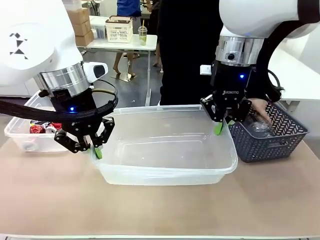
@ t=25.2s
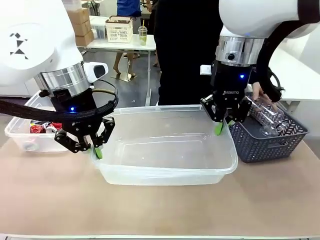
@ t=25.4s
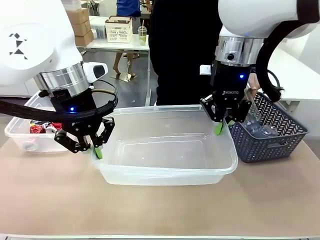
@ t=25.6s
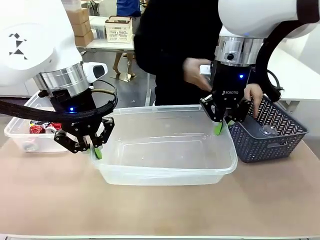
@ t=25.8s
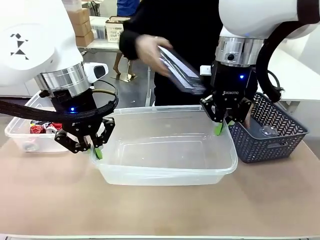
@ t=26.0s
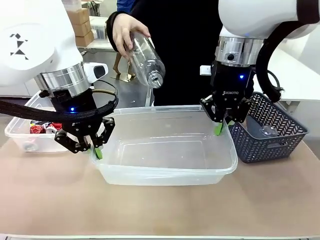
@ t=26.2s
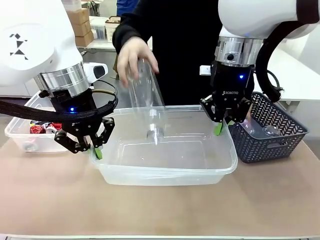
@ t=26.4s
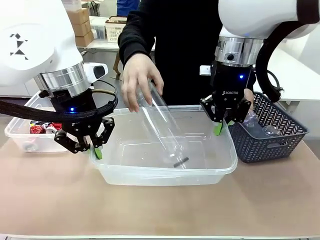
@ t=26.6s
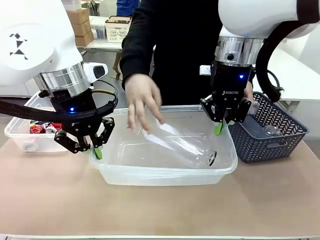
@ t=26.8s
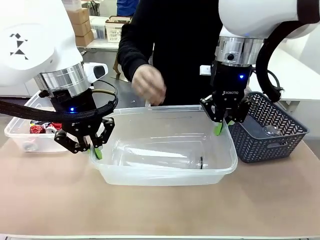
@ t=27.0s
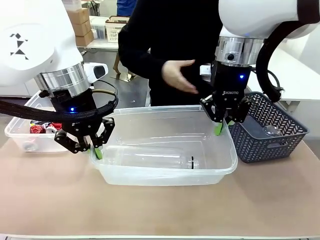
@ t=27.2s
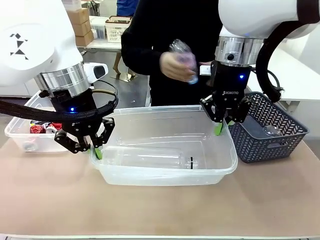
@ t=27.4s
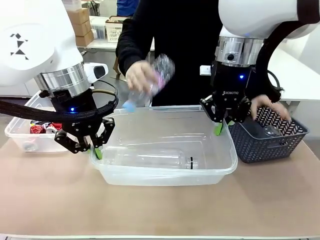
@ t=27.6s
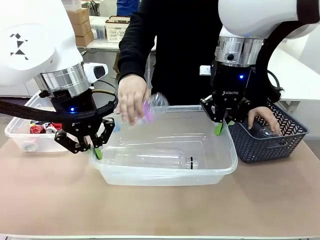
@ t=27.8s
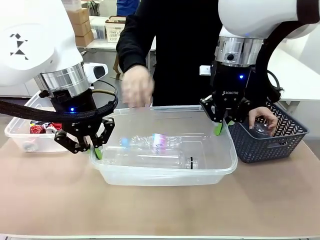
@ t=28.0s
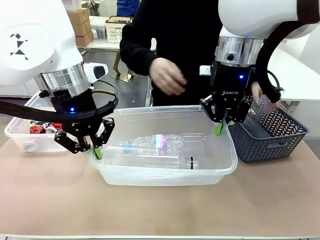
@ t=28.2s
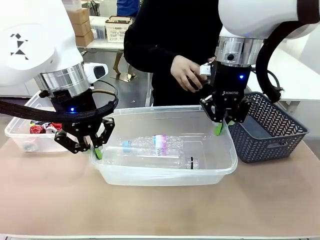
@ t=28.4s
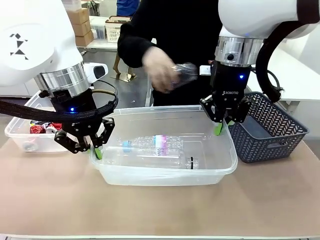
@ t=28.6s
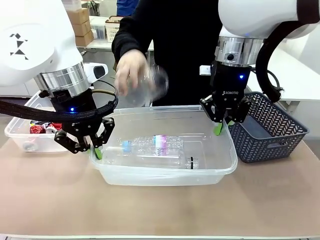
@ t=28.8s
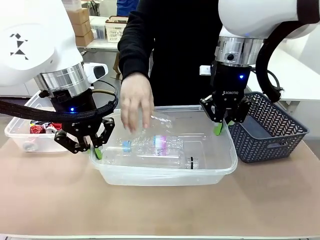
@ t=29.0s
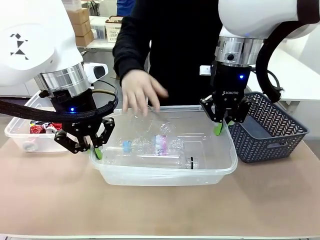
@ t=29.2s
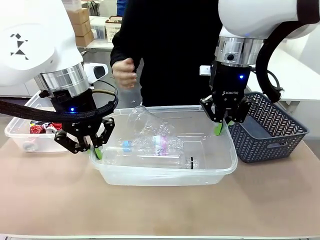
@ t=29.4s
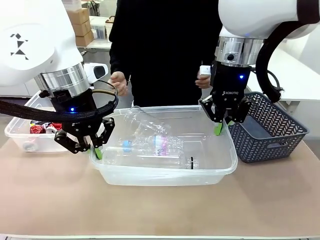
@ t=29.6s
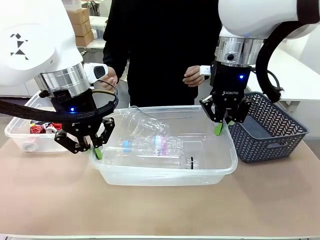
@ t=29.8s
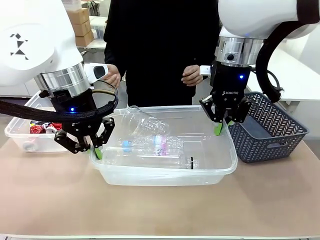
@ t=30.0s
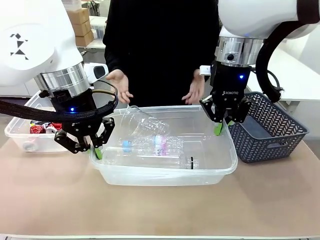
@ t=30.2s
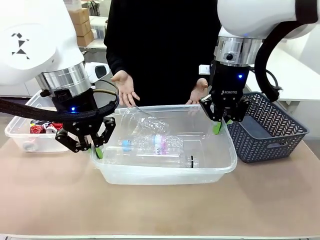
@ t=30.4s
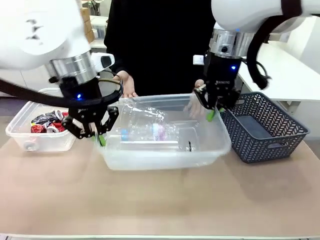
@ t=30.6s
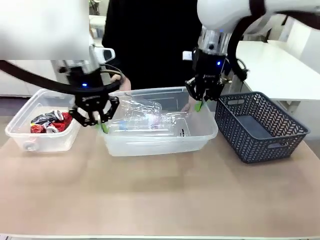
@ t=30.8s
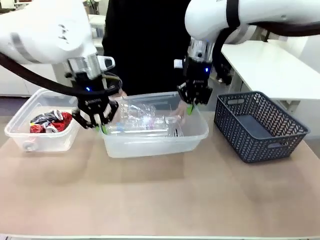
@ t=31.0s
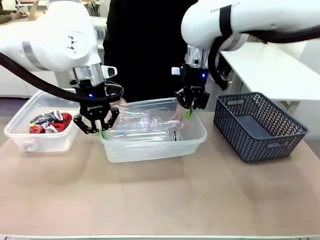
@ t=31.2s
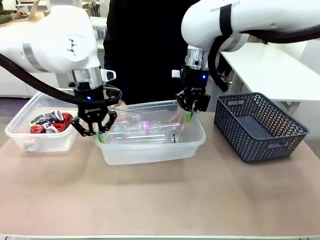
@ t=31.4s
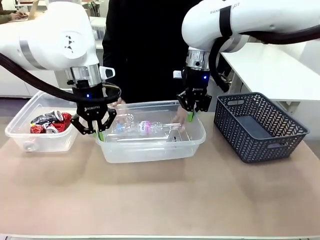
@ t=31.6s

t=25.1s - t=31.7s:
Robot: Offer the picked Organizing box to the human.
Person: Pick up plastic waste one by one and place it into the organizing box lifted by the robot.

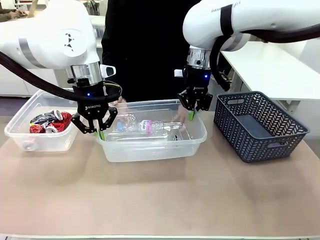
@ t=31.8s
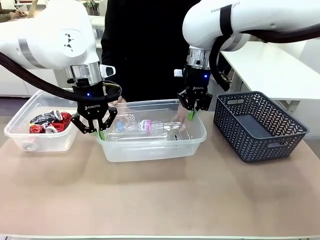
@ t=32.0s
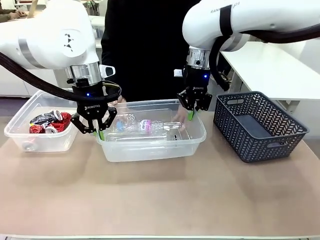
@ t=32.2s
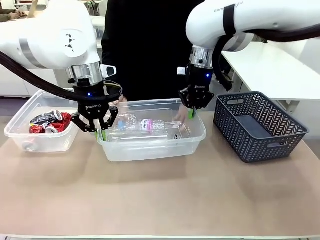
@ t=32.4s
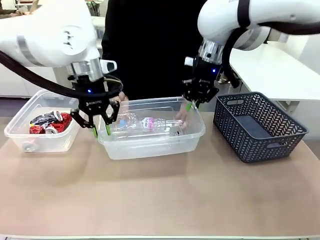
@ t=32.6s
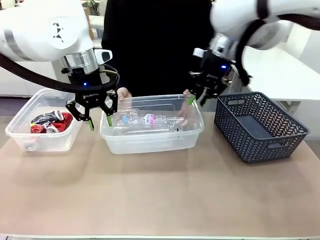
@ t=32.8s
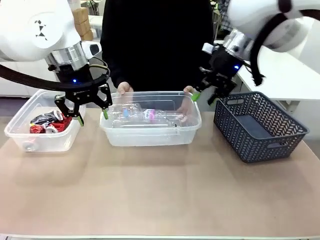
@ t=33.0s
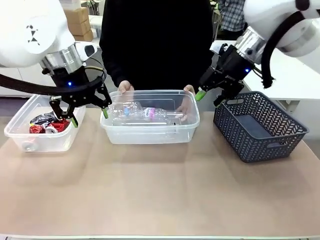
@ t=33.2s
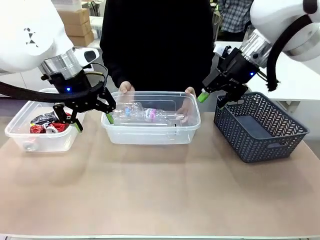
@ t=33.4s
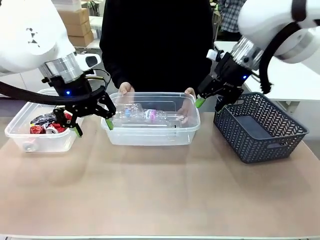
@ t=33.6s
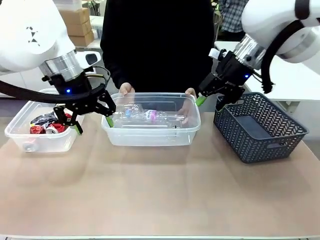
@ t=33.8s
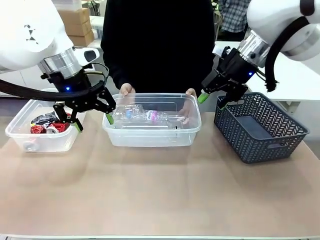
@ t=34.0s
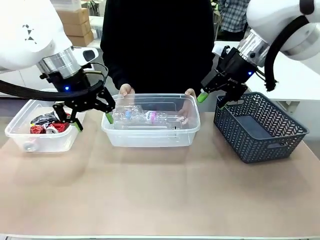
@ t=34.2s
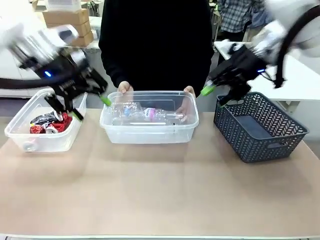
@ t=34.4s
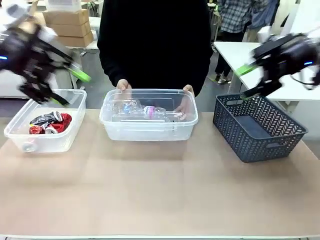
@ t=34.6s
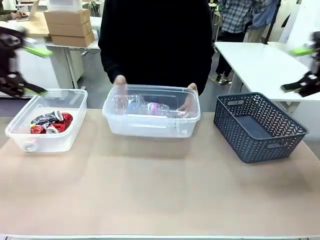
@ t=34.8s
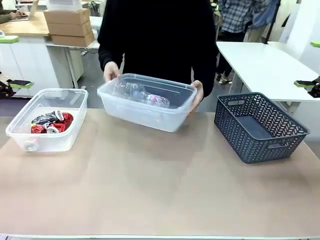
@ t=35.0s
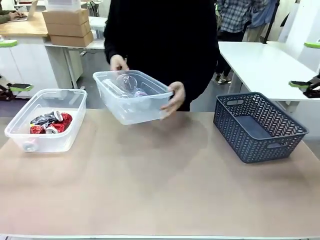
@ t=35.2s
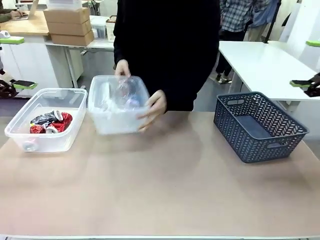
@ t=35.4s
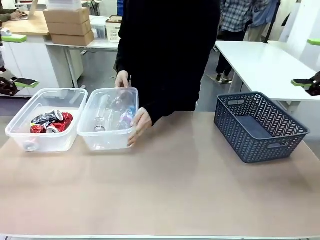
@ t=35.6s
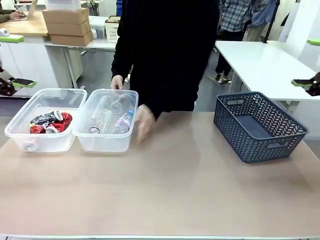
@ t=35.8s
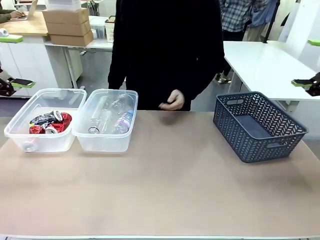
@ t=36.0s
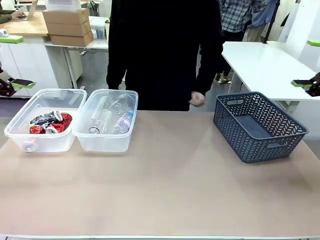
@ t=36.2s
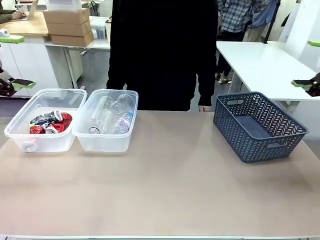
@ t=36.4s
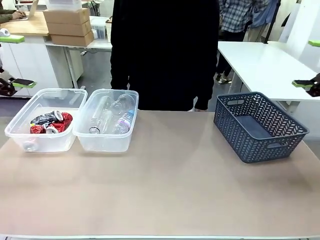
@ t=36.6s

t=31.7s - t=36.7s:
Robot: Release the Organizing box you were holding.
Person: Pick up the organizing box extended by the robot. Place the organizing box to the left of the sorting box containing the can waste.

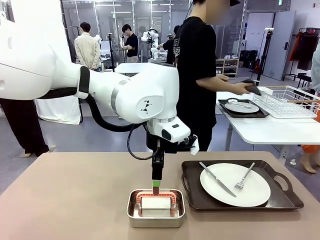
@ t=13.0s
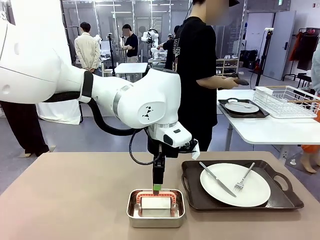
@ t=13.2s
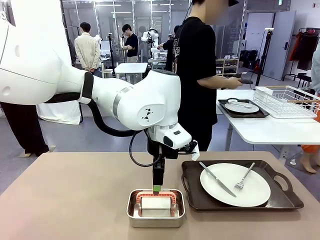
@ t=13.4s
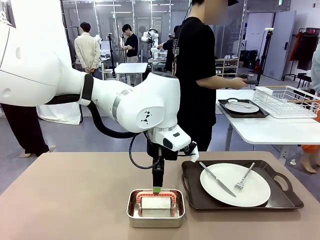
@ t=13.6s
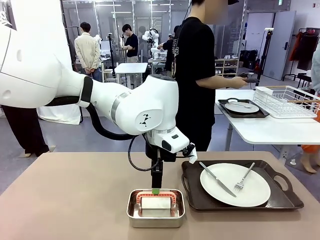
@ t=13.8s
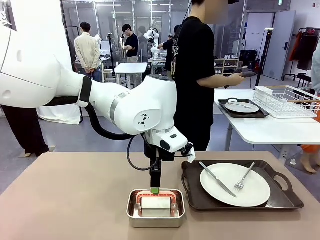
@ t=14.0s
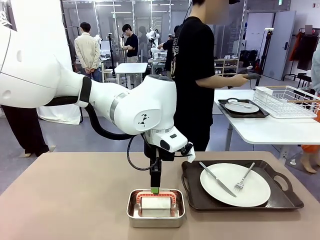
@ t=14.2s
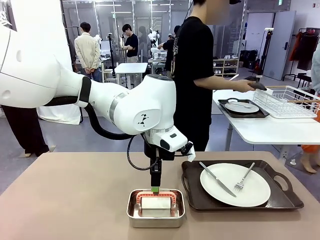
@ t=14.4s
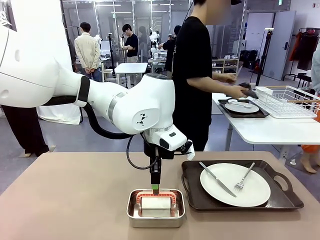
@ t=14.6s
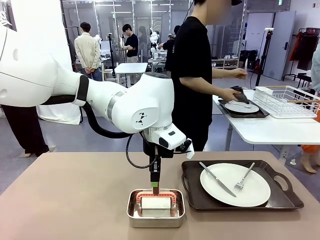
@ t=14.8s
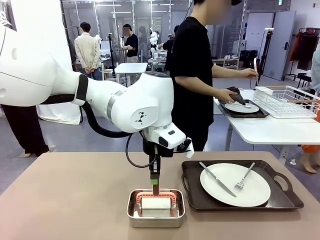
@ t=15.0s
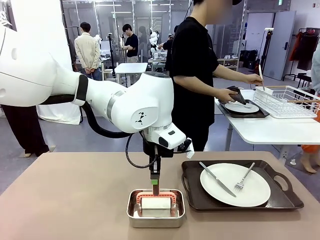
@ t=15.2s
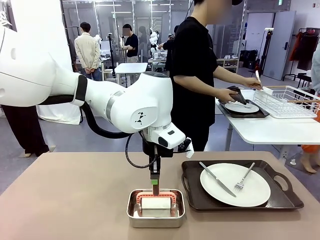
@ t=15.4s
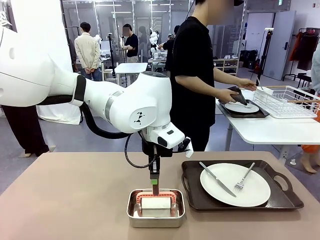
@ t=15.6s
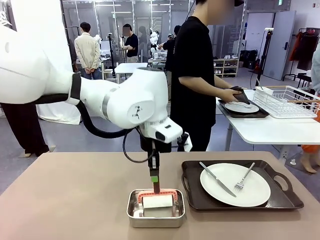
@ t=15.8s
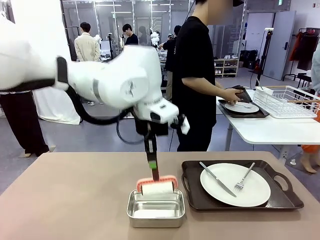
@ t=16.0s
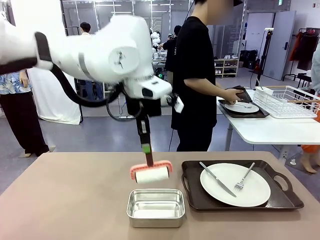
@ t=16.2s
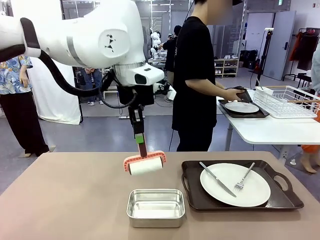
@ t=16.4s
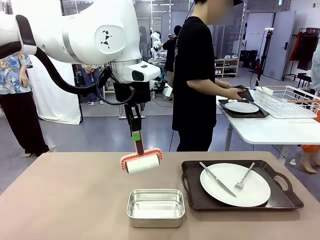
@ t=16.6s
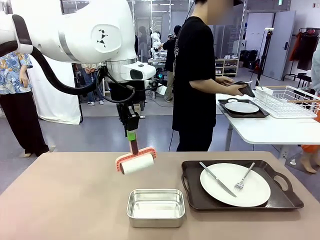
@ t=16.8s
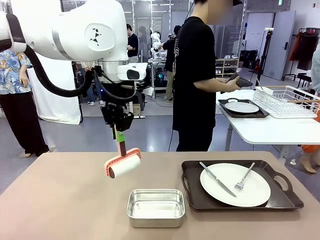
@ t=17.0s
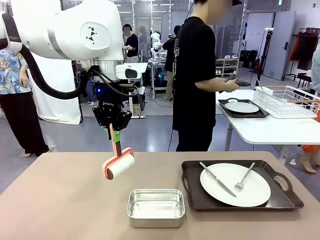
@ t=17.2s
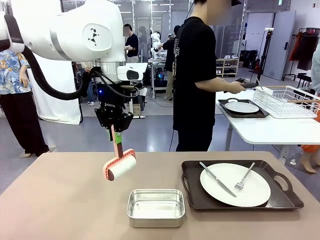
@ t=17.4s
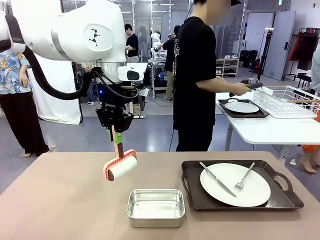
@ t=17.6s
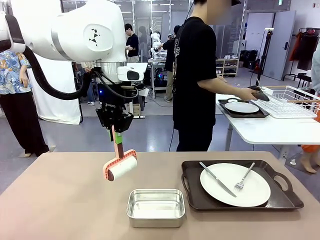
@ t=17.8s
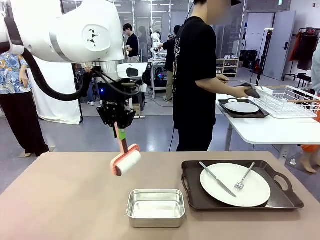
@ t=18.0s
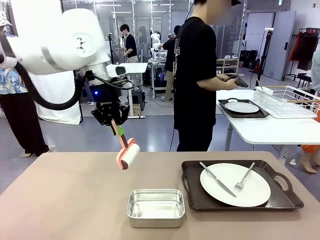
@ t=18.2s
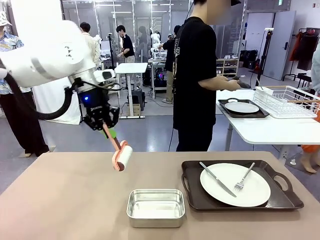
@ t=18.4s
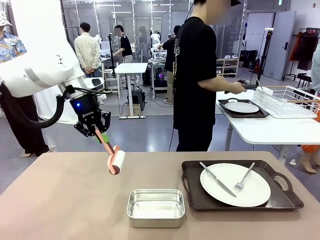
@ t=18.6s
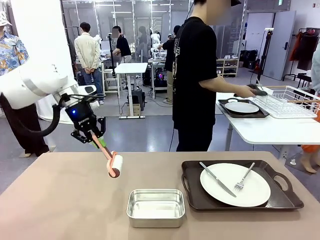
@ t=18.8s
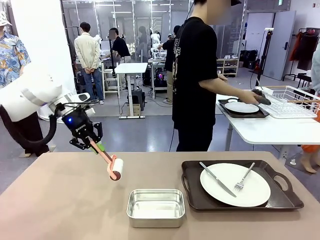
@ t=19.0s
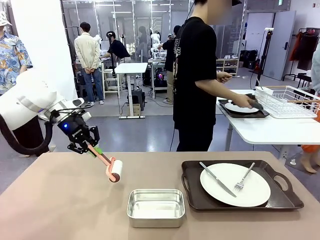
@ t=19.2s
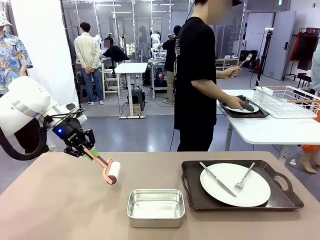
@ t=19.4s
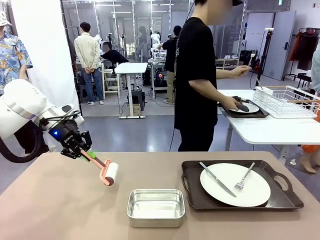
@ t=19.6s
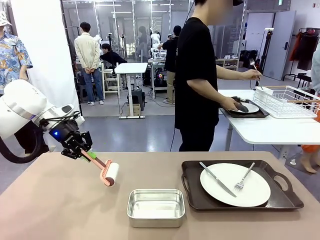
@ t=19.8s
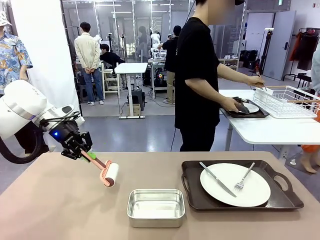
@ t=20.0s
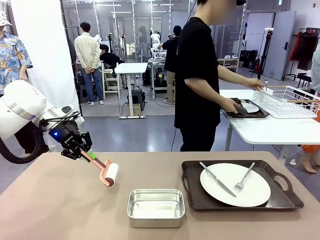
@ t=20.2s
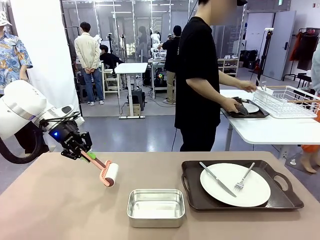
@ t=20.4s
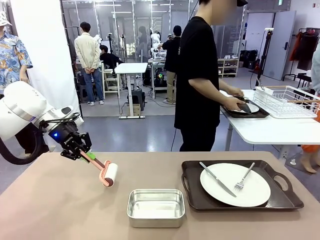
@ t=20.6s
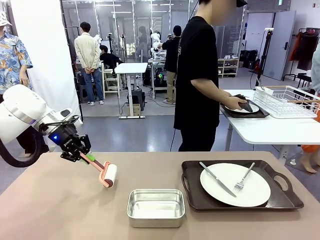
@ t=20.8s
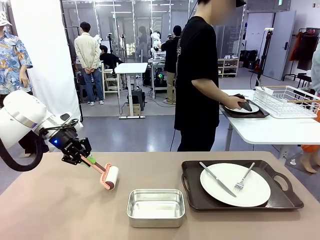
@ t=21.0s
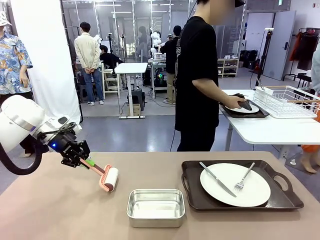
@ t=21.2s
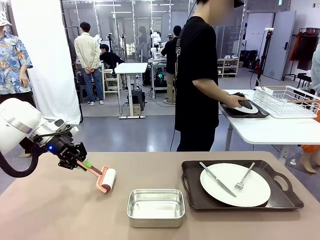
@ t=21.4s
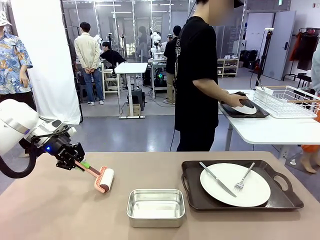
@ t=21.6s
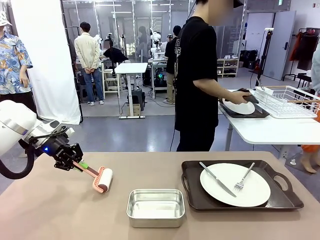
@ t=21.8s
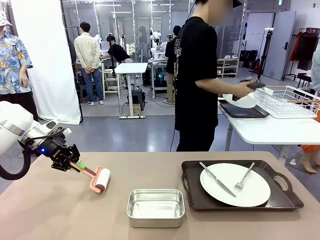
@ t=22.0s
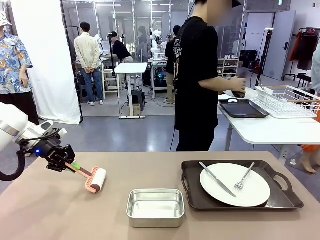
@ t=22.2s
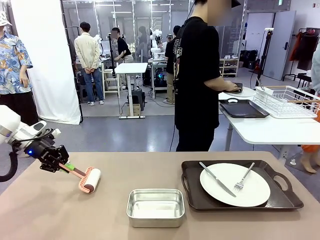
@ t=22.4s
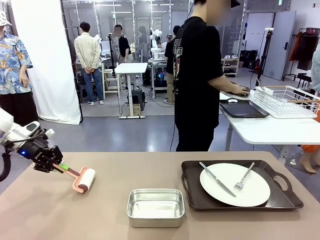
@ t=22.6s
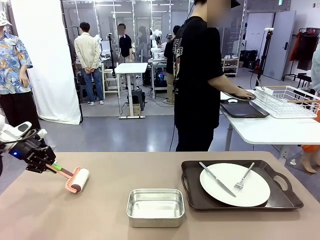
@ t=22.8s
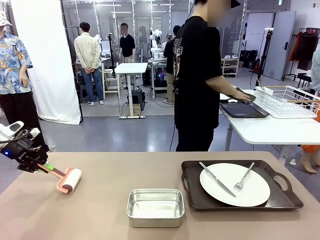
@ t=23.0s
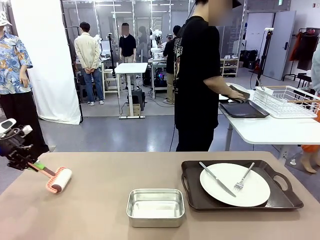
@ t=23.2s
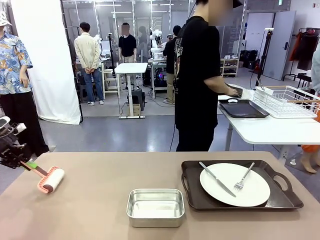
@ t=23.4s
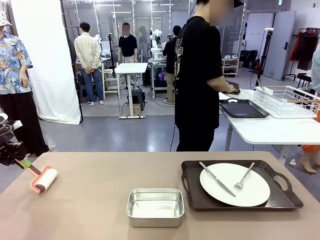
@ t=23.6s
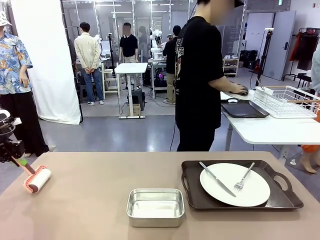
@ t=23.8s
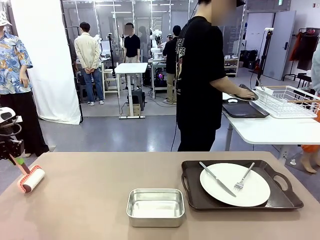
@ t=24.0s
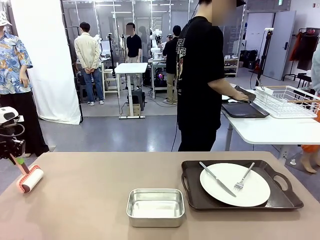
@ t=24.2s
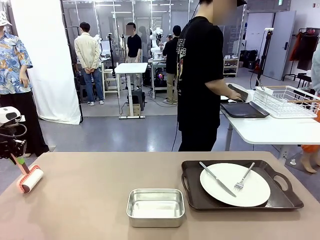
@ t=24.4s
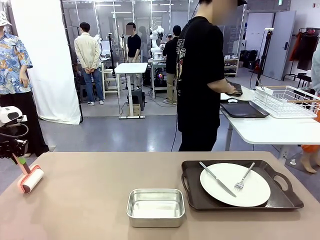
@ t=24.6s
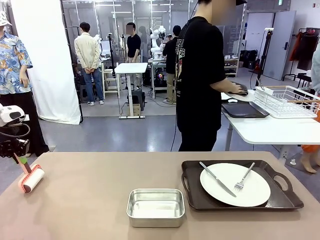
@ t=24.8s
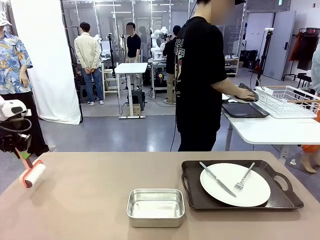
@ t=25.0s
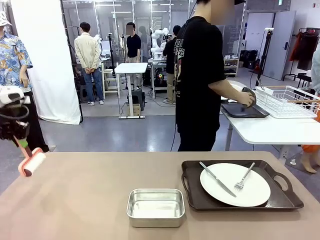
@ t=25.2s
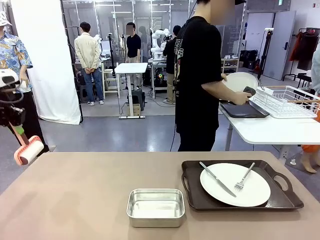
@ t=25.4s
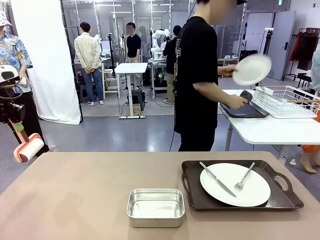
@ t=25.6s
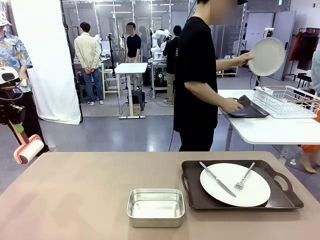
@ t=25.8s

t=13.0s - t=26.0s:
Robot: When the left (or right) Handle tray is removed, use the left hand (or right hand) to clean the left (or right) side of the table with the Lint Roller.
Person: Use the Towel with hook to wipe the Plastic Matte Plate , Fork , and Knife and place into the Dish drying rack.
